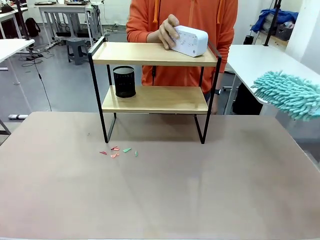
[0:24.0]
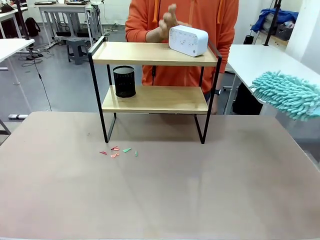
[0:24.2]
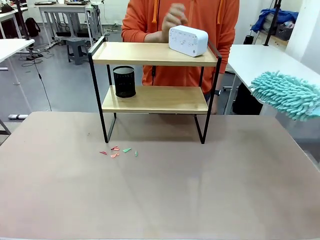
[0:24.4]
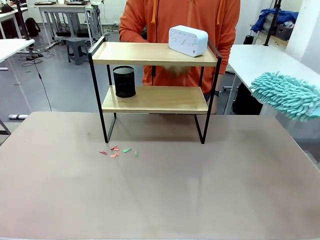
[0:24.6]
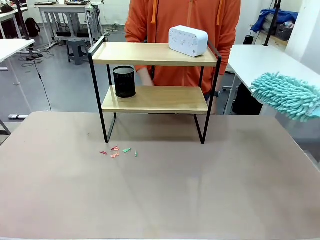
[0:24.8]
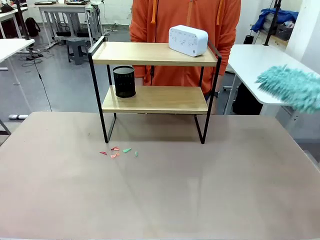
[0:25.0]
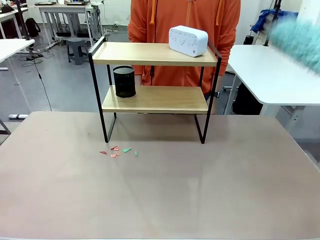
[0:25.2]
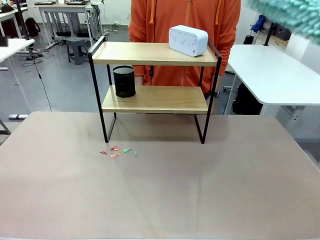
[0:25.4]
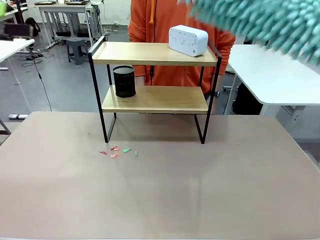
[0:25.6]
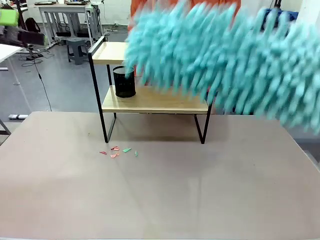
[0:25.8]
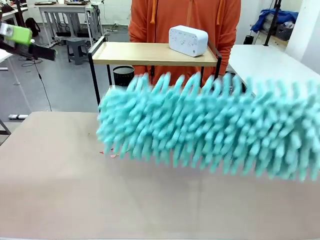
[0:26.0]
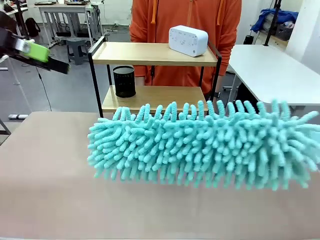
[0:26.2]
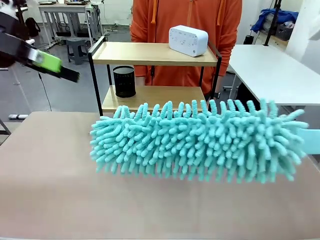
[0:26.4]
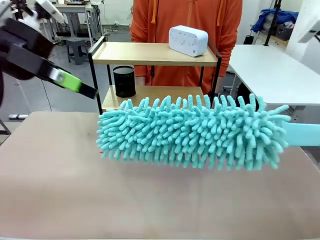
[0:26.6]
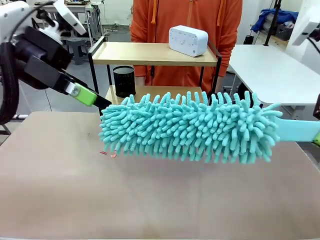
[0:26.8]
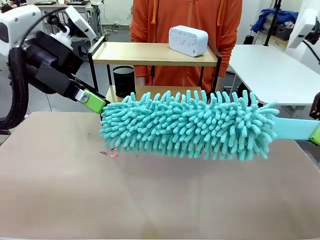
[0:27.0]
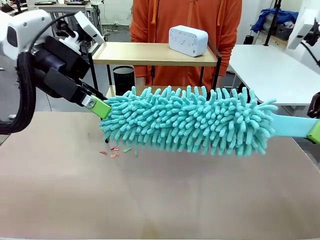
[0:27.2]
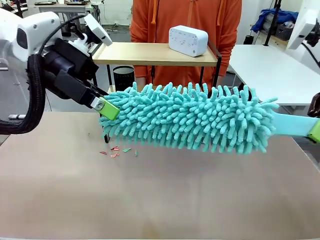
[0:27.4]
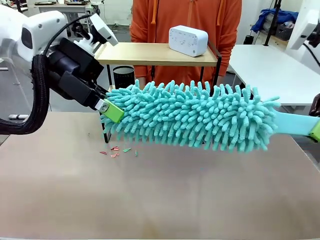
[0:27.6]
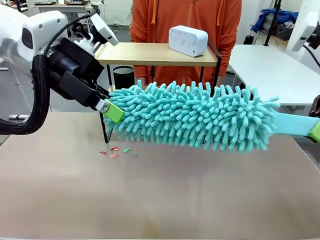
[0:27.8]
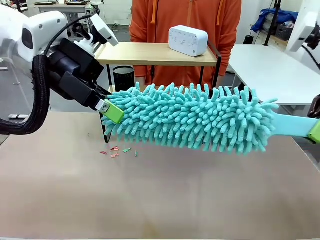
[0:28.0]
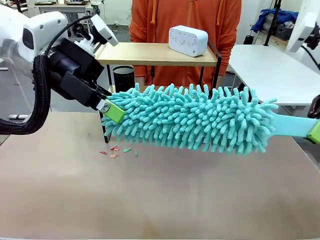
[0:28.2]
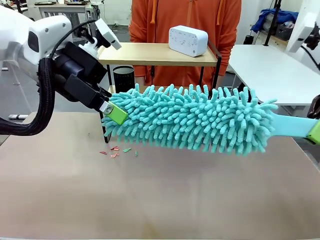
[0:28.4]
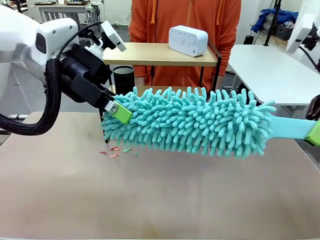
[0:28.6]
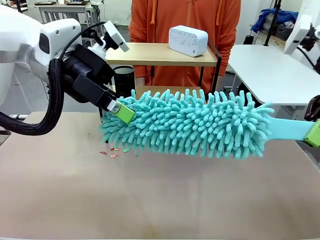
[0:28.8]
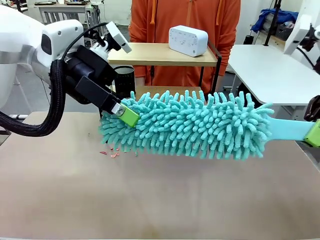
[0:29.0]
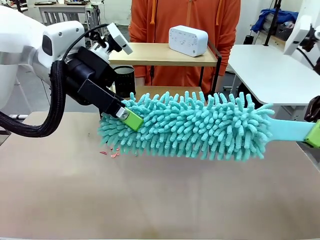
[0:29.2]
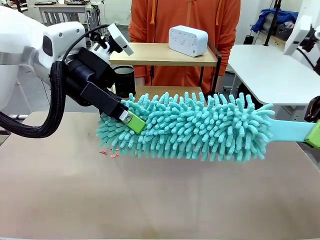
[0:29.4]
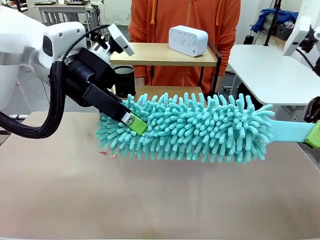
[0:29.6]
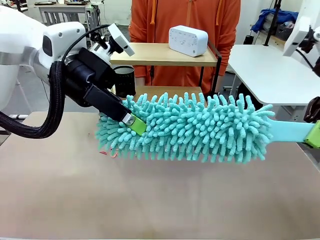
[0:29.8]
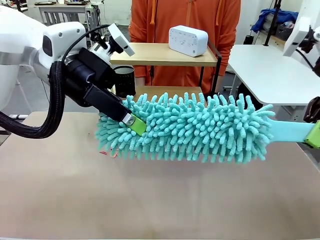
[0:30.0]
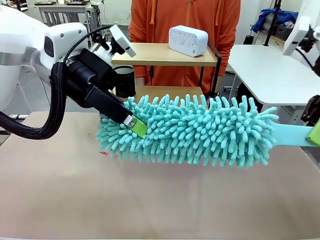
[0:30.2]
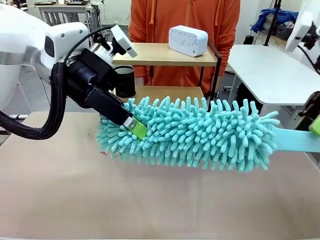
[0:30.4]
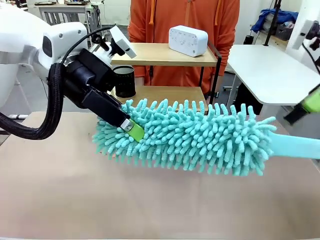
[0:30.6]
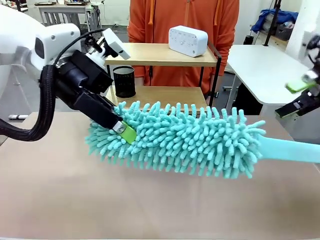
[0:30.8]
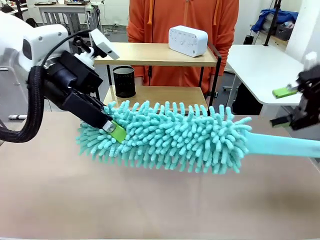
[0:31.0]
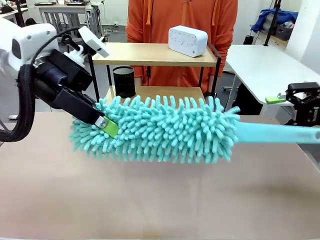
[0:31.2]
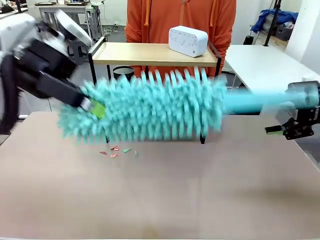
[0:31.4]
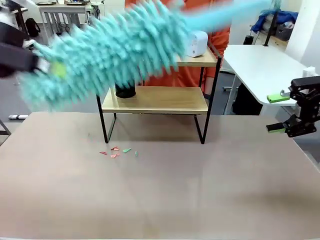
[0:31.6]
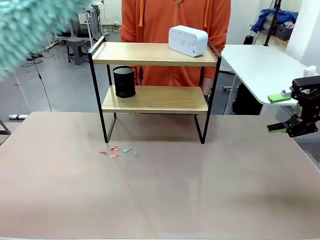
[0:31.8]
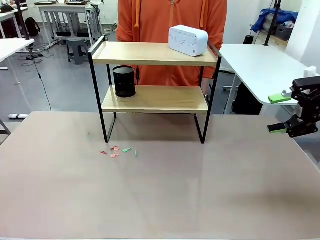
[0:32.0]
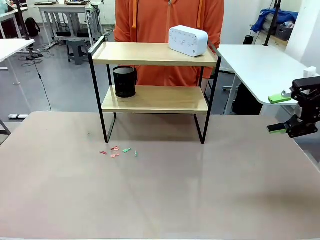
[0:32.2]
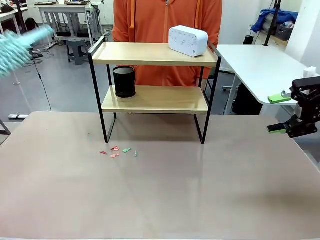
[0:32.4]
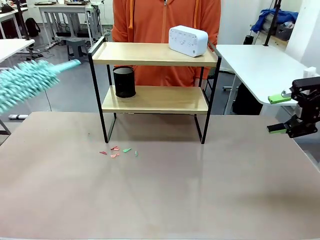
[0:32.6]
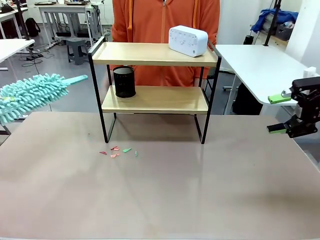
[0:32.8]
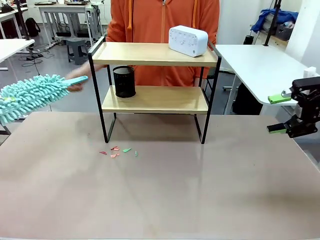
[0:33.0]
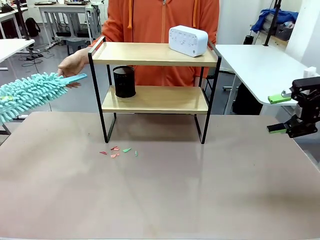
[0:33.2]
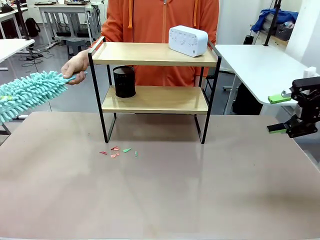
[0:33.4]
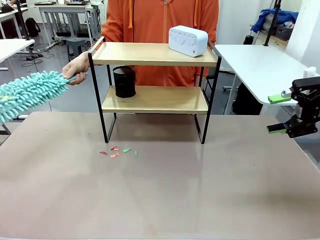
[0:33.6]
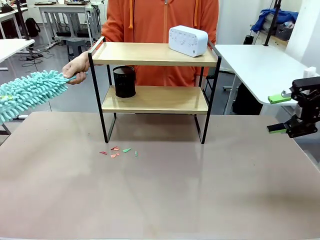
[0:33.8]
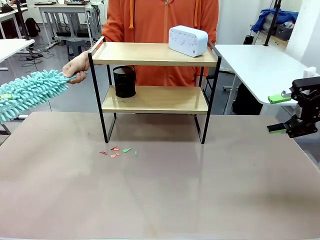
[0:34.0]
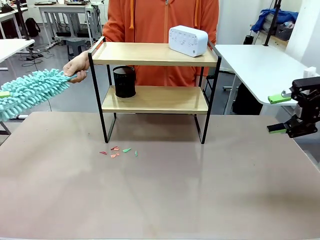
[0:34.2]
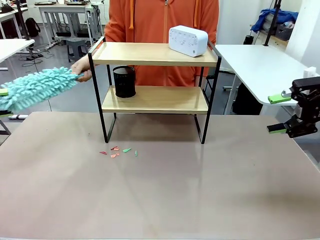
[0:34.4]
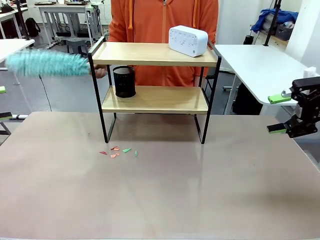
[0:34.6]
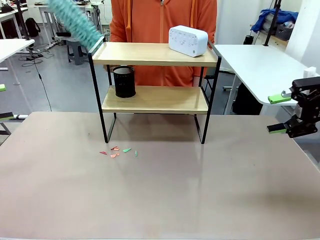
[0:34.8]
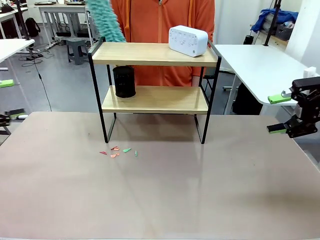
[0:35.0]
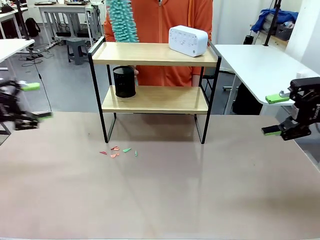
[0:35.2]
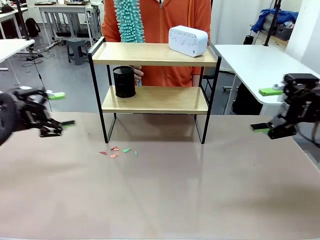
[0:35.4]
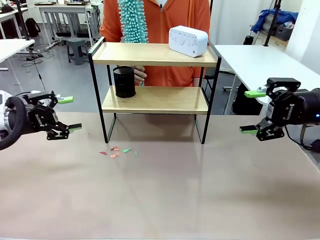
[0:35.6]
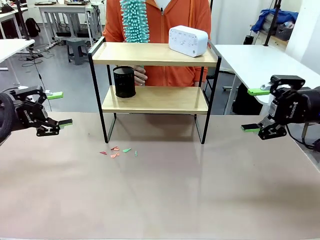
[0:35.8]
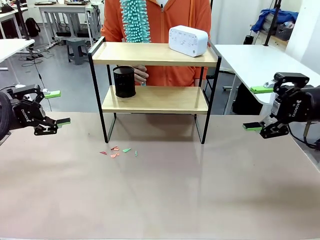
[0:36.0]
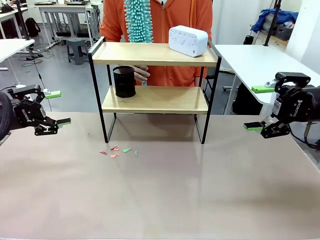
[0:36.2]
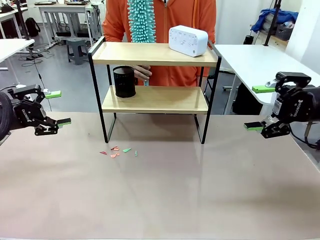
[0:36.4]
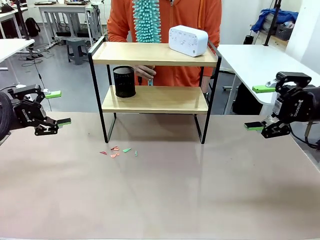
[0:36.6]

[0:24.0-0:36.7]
Task: Clean the shelf.
Robot: Hand the Duster back to the human.
Person: Receive the Duster from the robot.

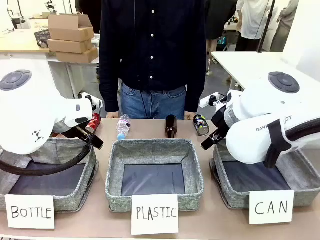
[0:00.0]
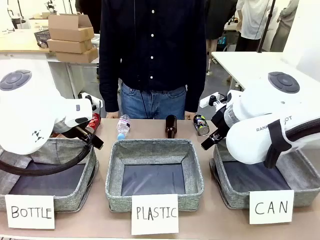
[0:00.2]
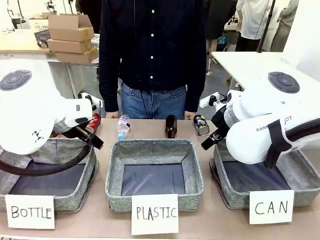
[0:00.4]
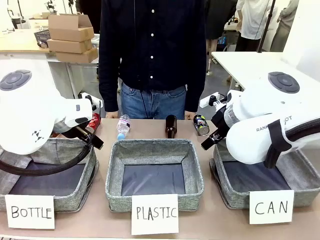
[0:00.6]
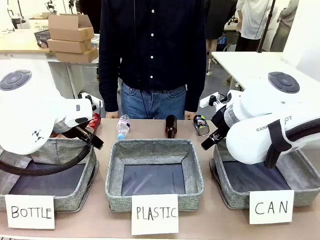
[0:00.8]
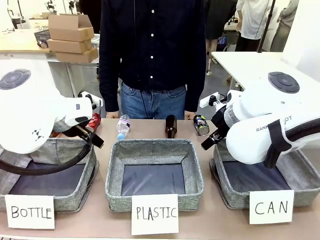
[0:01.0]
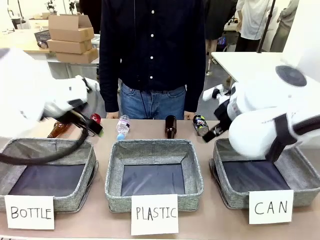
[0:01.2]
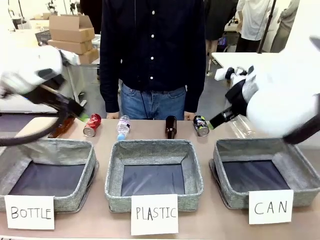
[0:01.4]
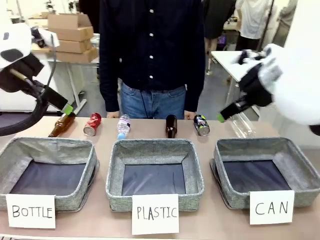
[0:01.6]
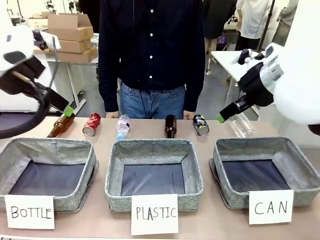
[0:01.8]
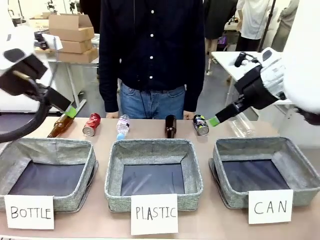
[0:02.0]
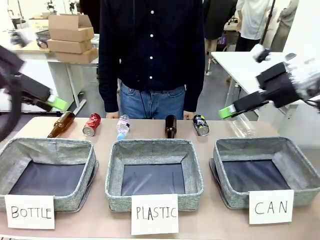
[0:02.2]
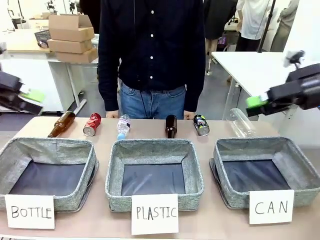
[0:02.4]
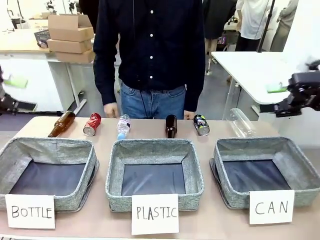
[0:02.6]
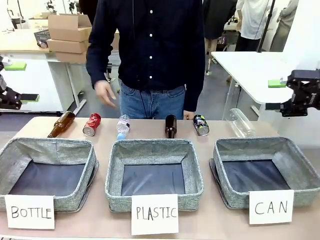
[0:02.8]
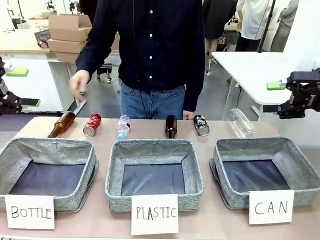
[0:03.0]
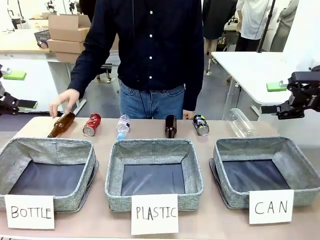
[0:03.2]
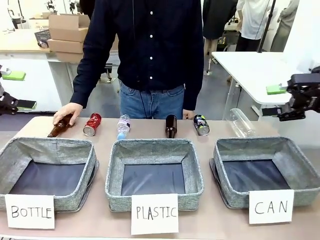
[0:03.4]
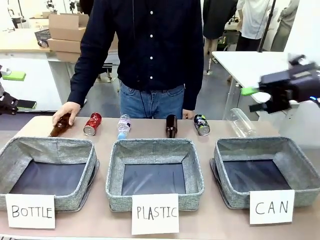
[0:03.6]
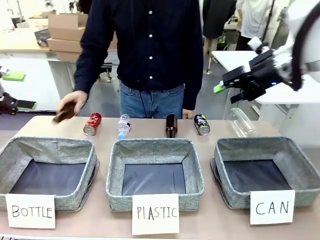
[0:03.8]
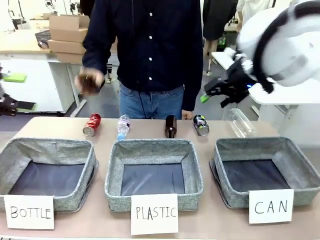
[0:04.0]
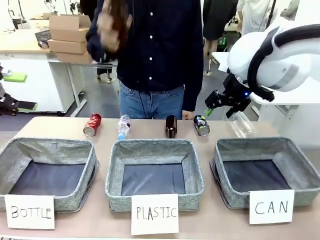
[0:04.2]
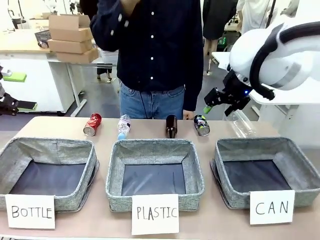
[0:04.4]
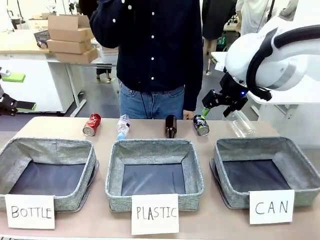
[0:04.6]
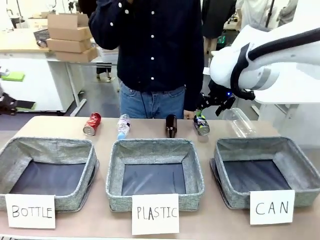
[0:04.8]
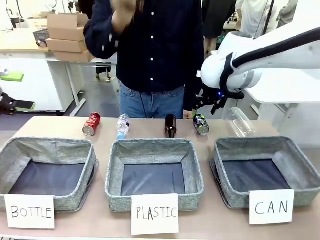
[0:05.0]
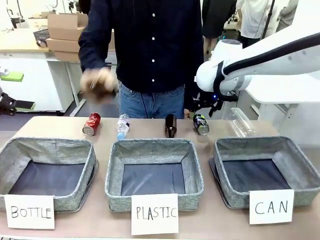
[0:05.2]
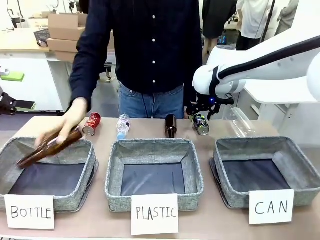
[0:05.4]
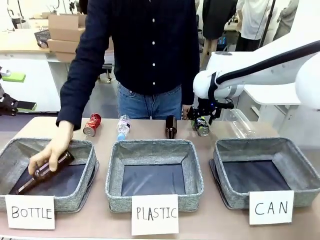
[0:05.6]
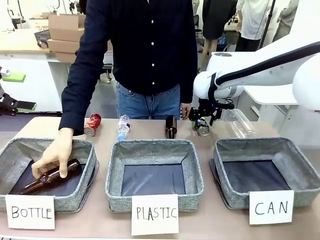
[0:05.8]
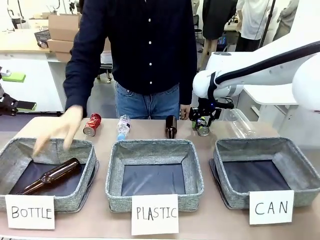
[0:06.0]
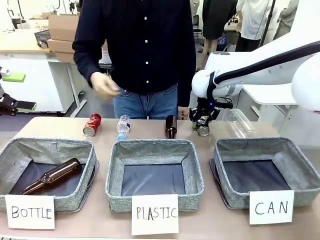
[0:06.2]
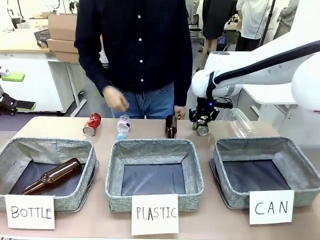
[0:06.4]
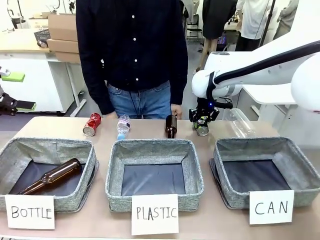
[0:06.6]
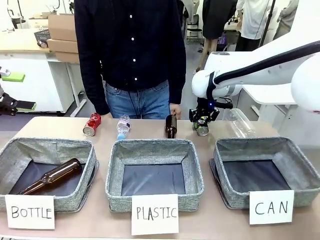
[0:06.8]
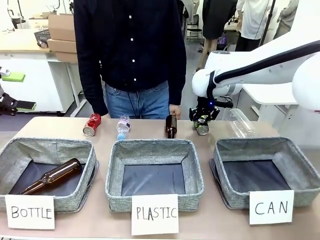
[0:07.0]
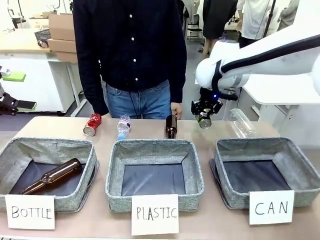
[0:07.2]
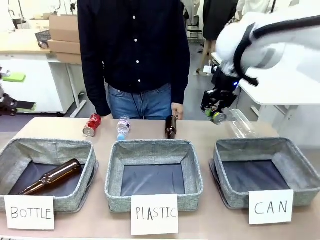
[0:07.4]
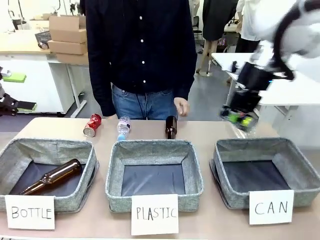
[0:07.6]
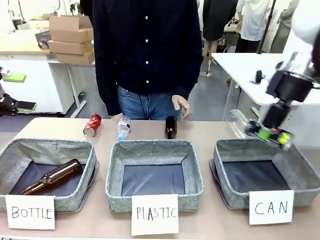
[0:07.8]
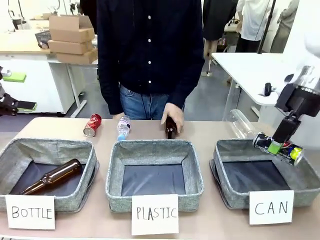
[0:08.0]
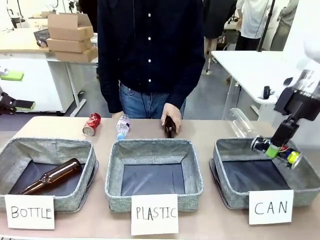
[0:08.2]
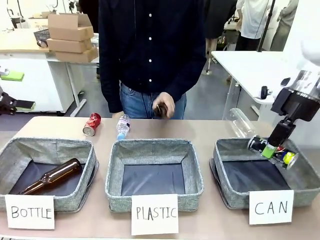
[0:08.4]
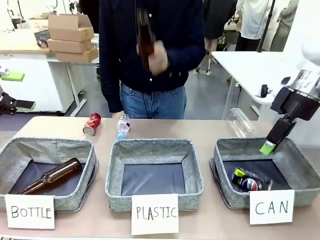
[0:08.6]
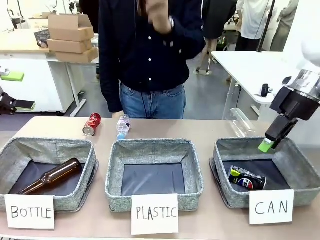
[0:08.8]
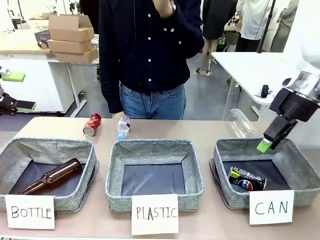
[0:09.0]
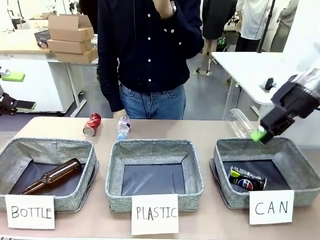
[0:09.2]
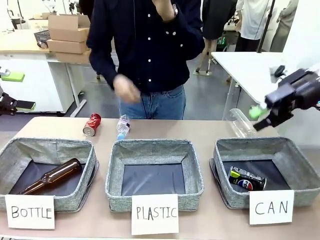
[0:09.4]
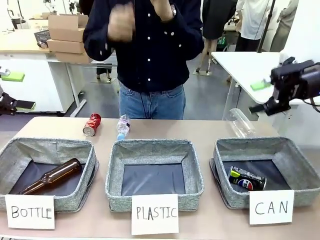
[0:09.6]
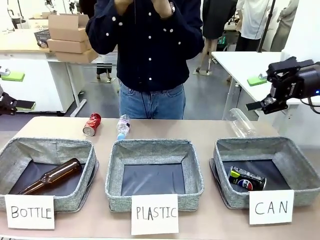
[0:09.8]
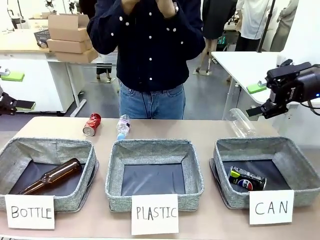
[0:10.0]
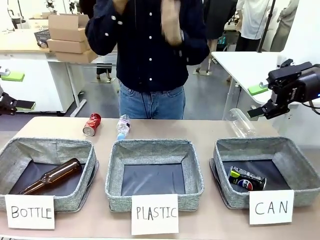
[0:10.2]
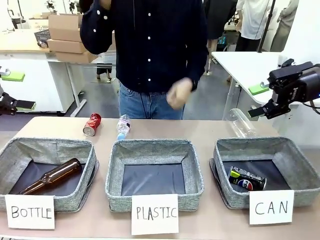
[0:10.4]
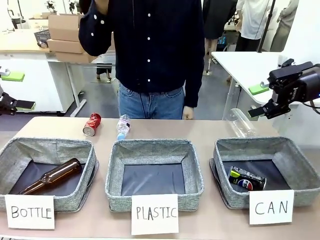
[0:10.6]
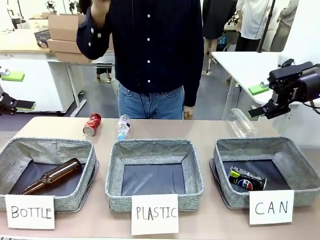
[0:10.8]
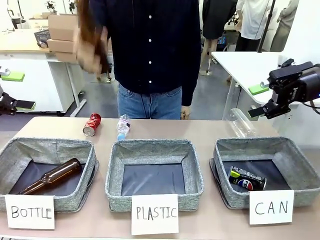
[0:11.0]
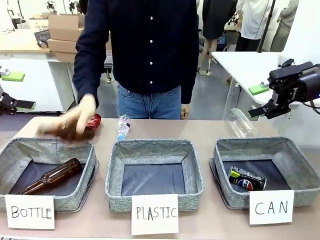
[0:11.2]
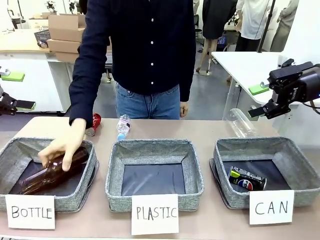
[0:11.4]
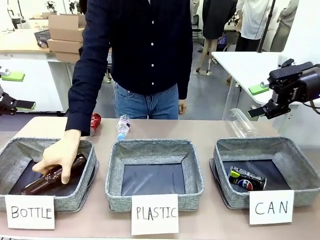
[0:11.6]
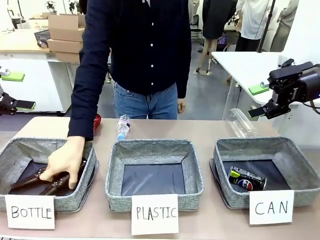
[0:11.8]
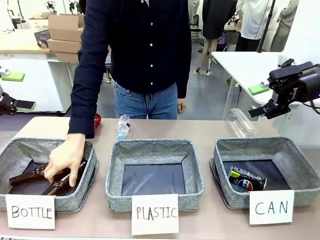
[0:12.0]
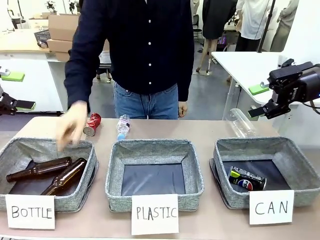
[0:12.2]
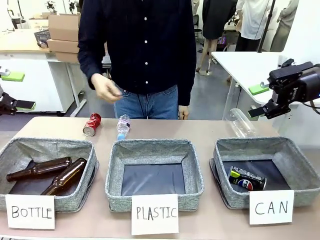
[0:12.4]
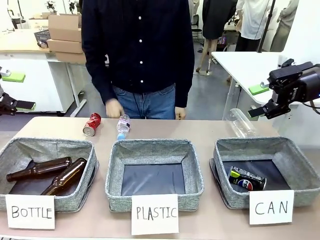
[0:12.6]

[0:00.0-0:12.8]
Task: Sort the can waste into the basket.
Robot: Pick up the can waste from the table and place it in the right Fabric basket.
